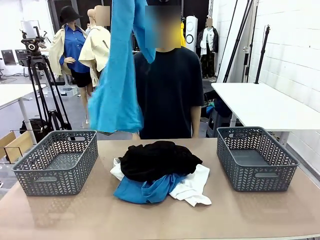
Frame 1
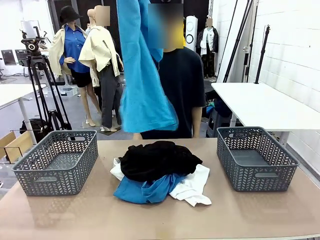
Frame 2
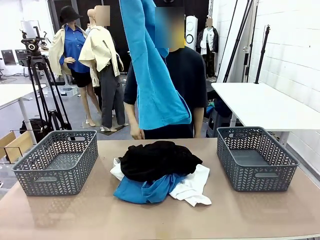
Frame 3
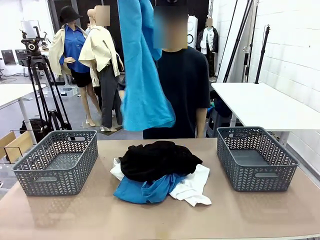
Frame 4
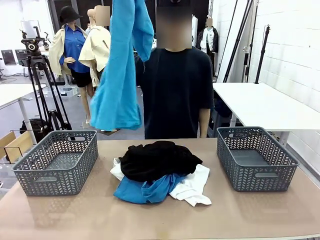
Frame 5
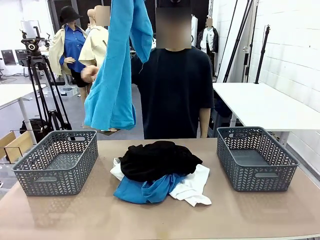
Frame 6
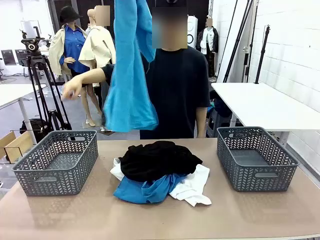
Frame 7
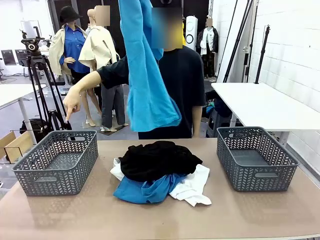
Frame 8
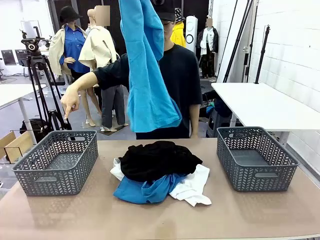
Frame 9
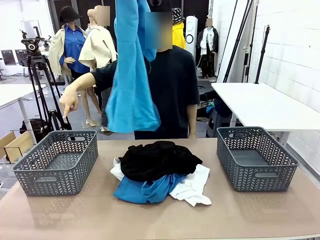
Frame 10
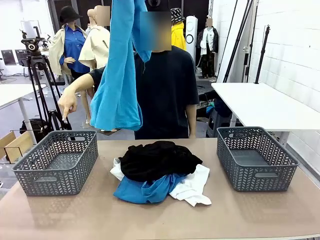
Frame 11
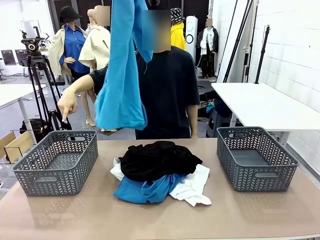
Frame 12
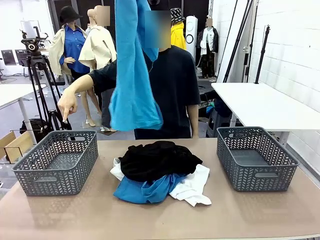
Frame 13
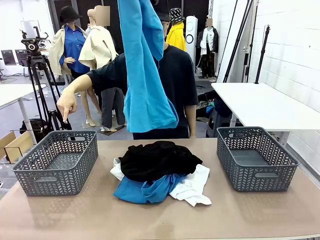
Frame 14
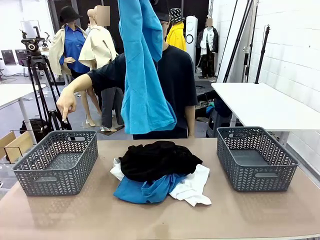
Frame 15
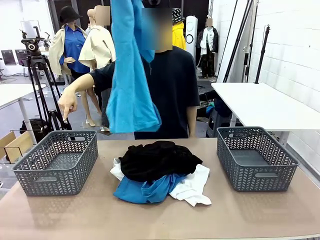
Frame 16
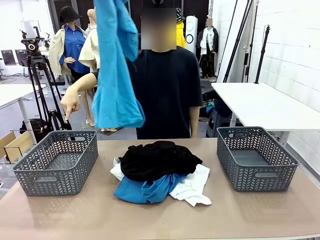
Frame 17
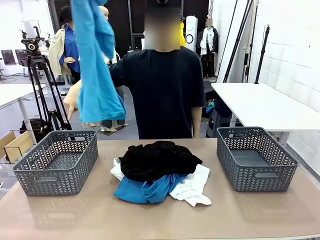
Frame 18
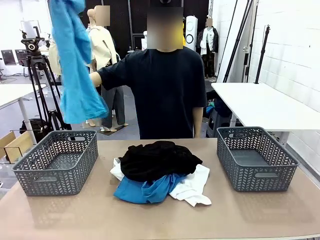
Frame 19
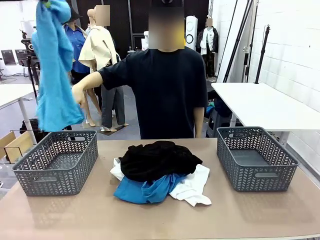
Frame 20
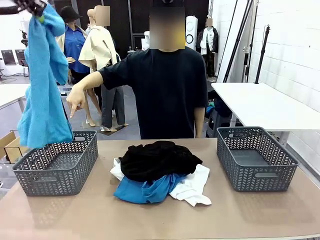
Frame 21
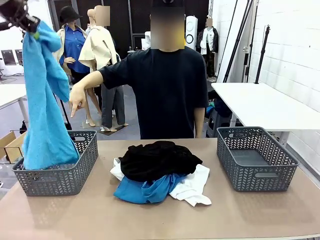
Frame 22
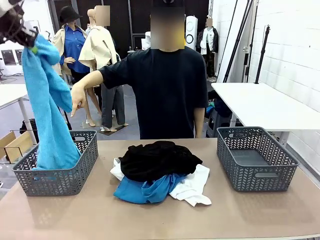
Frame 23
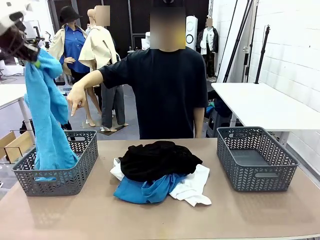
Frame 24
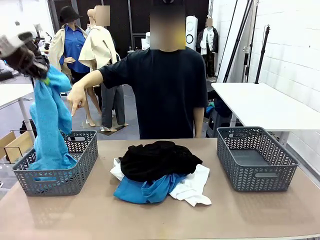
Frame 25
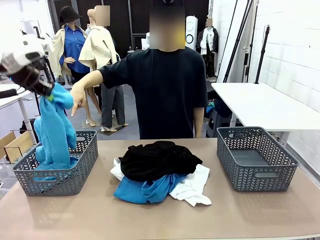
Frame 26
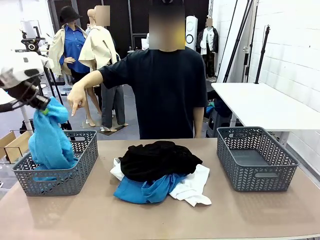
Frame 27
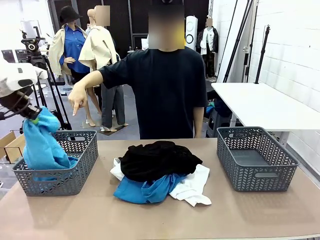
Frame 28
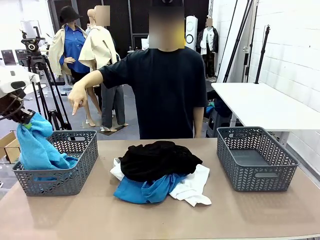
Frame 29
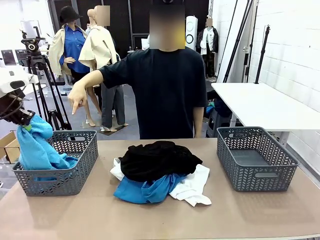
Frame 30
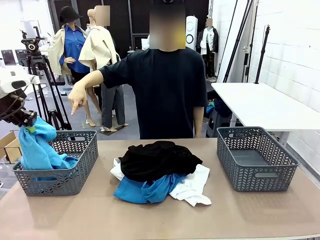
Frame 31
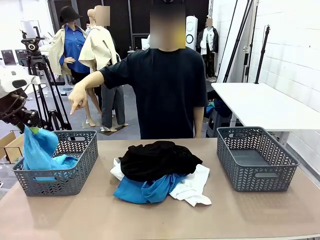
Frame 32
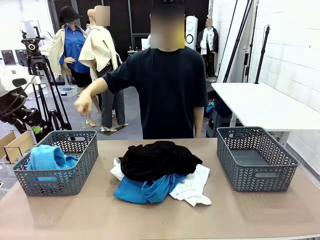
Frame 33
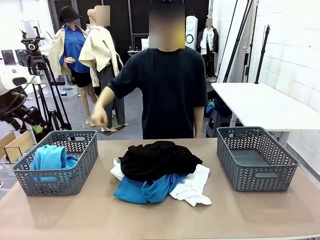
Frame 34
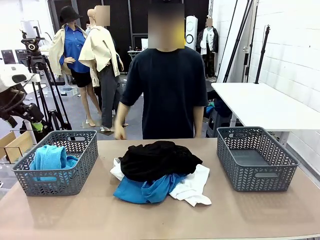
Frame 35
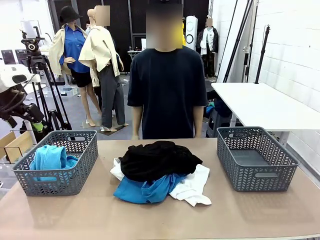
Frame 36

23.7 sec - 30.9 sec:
Task: Sort the tops and bottoms.
Robot: Sort the clothes according to human instructions.

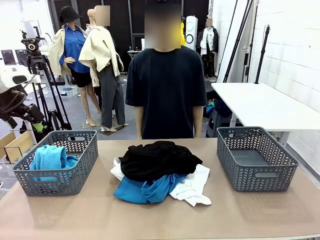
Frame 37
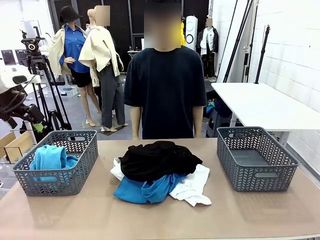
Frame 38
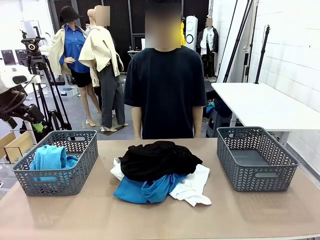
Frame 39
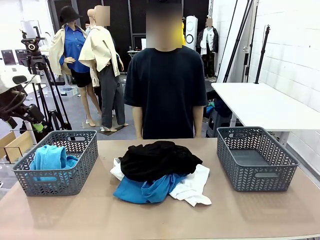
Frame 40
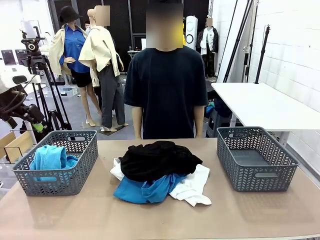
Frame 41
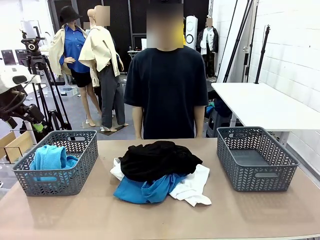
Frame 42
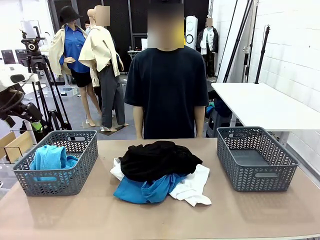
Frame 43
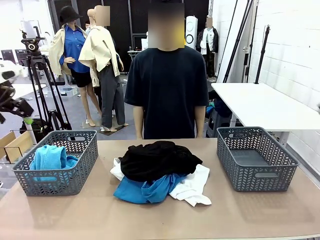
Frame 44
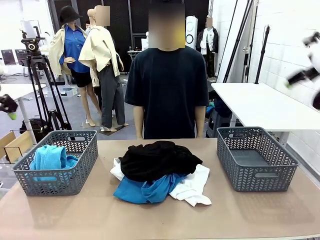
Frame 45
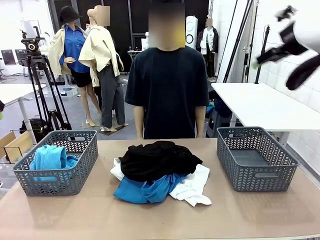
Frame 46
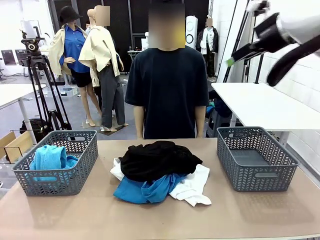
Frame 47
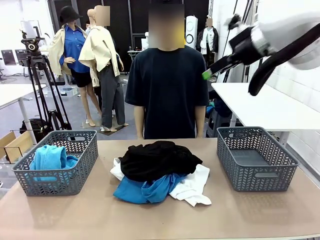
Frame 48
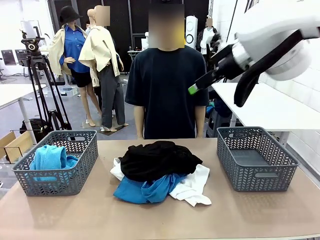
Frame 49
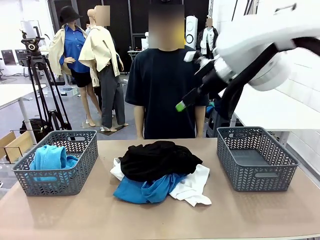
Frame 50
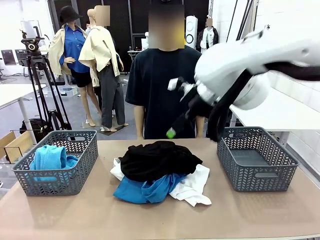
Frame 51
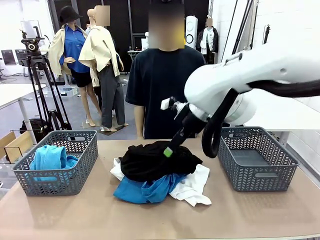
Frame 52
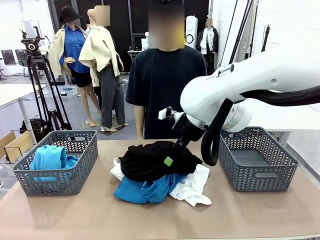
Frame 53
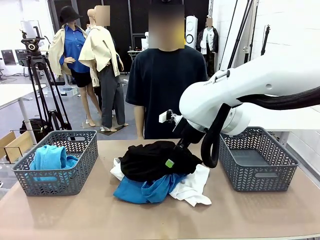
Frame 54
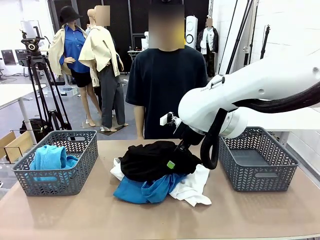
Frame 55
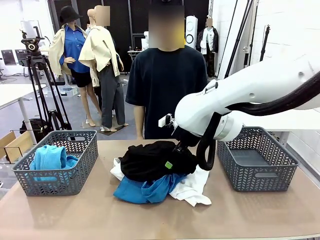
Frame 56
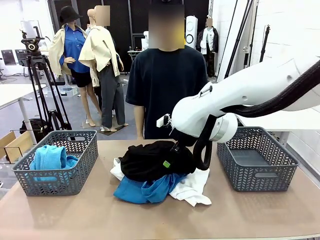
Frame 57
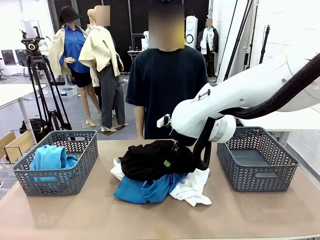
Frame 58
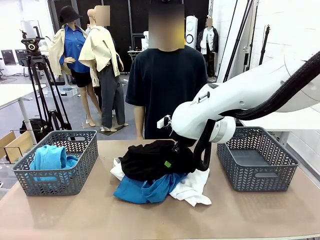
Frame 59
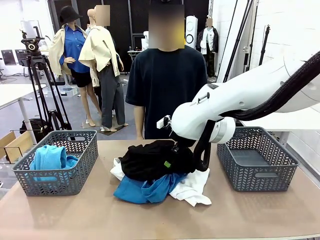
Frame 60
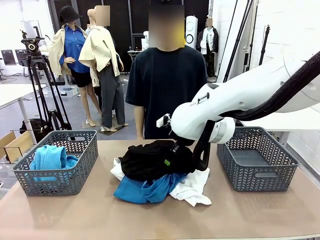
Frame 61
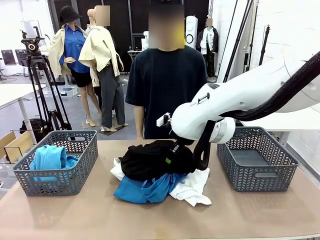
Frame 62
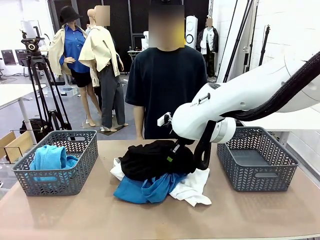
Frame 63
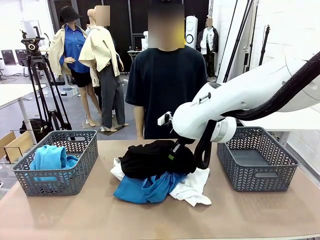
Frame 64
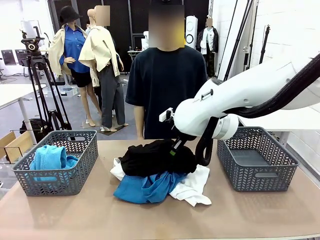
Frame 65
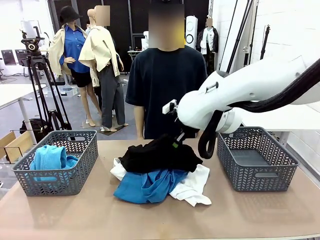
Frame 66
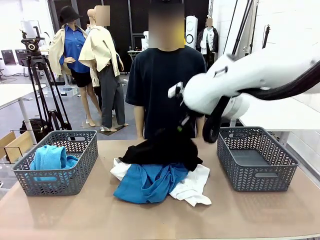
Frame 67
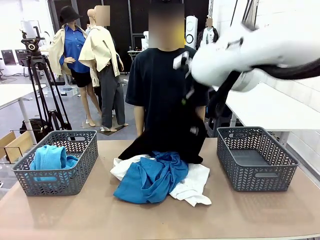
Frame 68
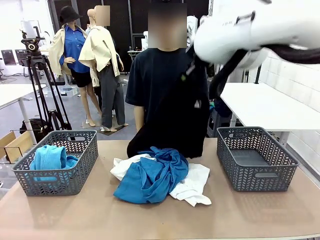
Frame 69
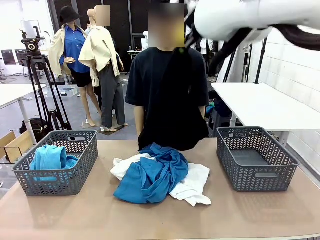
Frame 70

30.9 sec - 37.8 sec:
Robot: Lift clothes from the center of the table with your right hand.

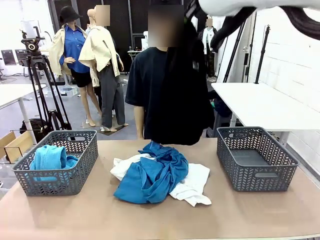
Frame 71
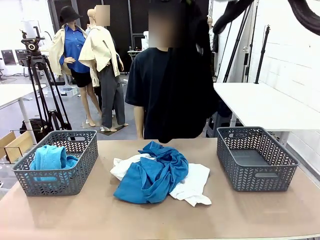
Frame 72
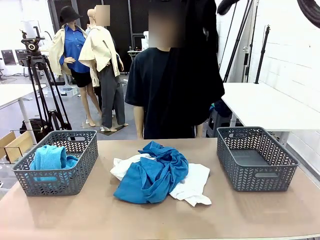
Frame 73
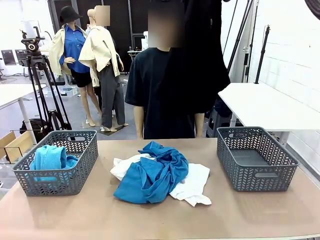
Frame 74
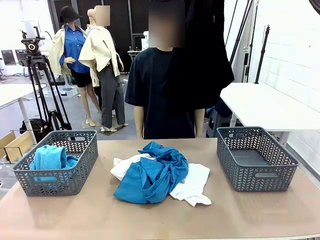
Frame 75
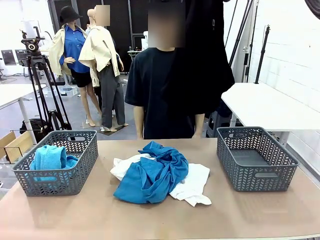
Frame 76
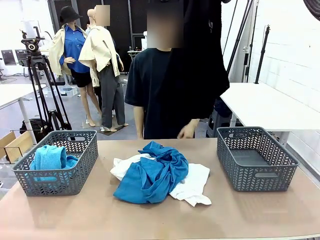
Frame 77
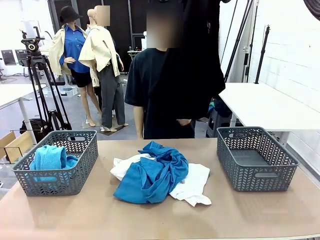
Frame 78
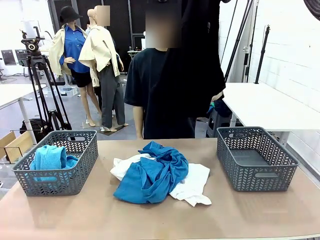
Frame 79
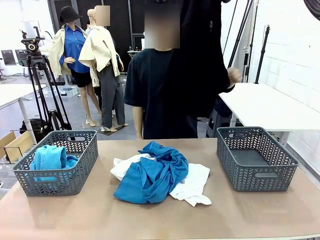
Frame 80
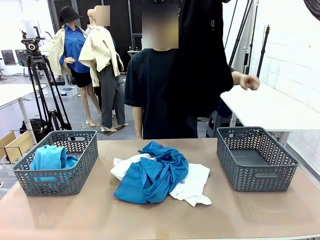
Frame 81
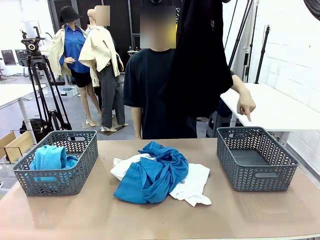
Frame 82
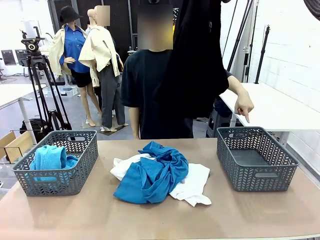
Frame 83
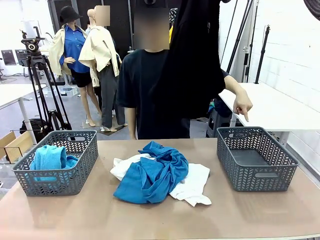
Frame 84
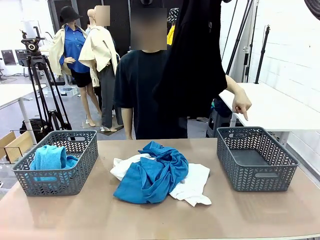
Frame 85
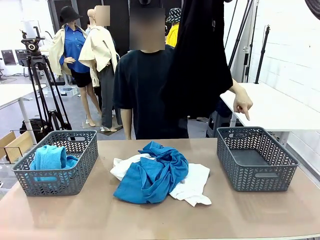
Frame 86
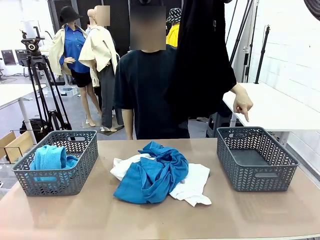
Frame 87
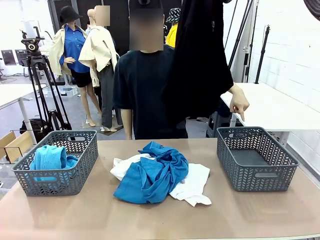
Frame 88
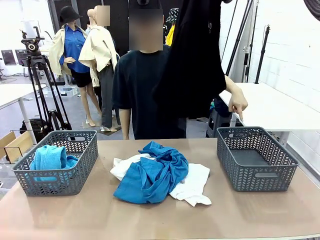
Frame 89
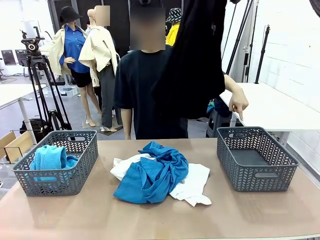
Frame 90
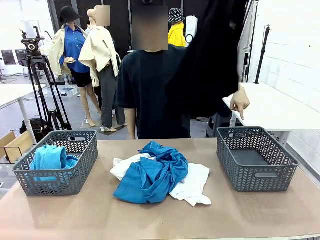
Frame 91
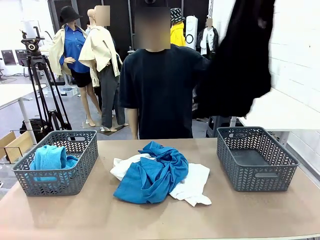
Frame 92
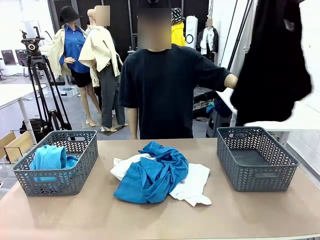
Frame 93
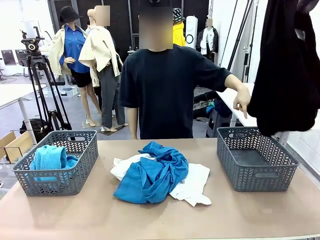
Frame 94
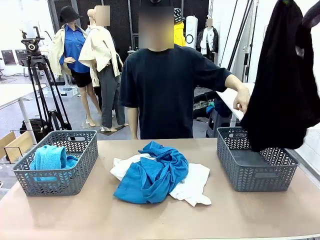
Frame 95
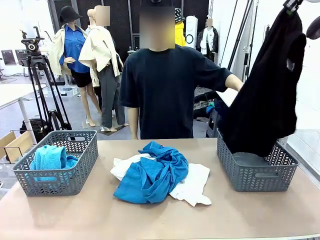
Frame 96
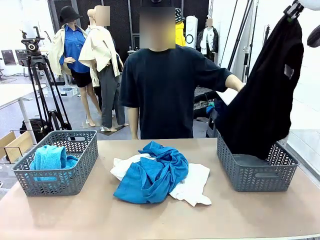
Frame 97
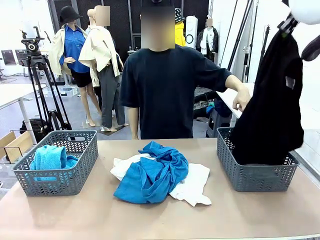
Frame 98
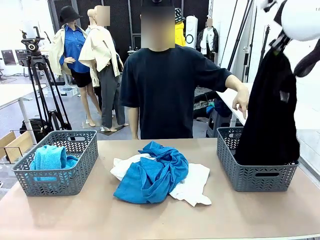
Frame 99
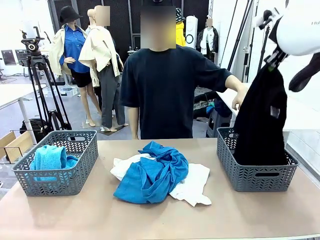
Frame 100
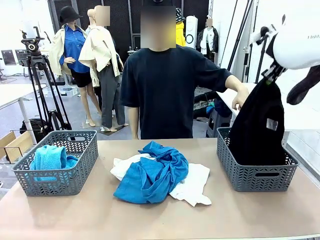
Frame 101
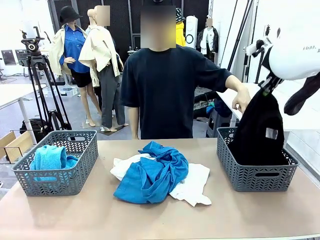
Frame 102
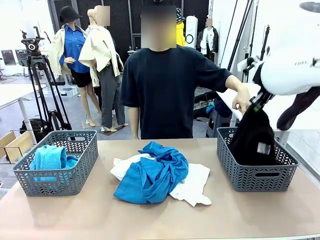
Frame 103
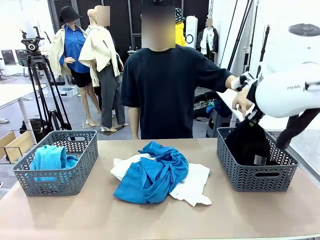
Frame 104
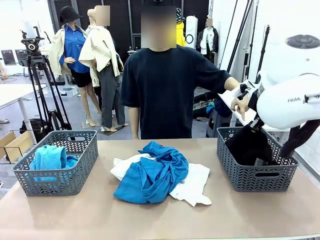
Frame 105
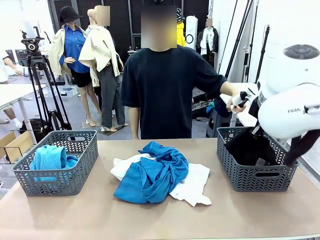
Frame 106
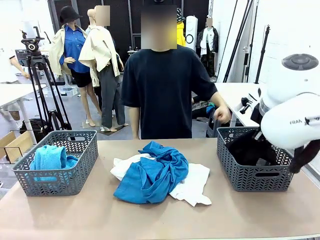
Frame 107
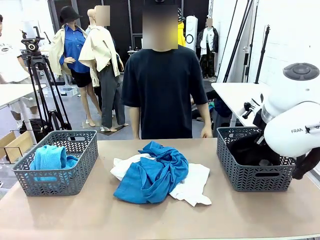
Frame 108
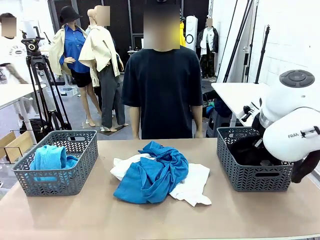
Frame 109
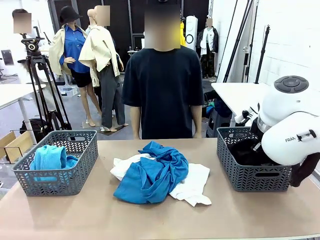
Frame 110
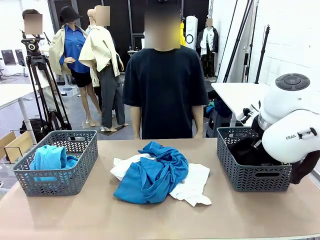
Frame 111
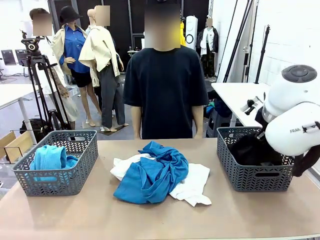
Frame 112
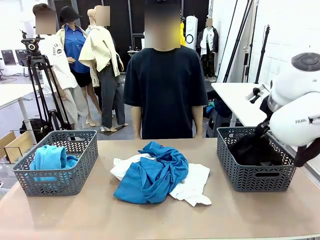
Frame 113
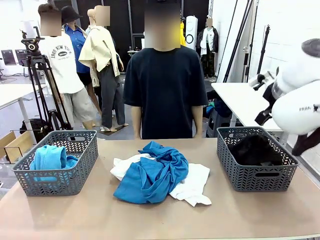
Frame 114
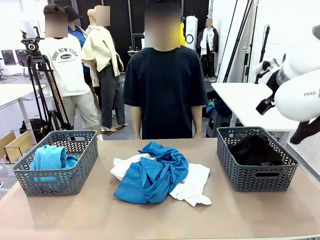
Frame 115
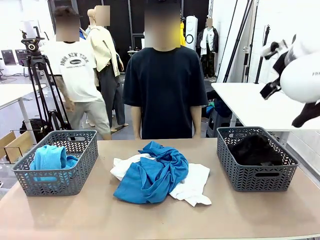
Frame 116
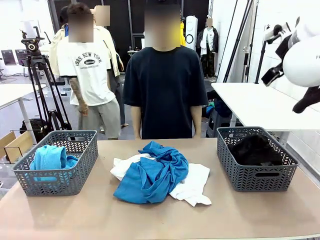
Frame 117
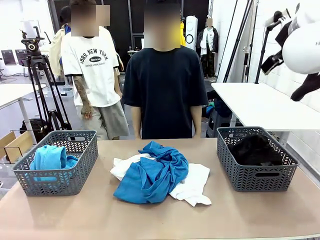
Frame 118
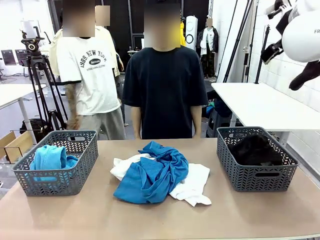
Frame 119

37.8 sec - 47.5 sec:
Robot: Sort the clothes according to human instructions.
